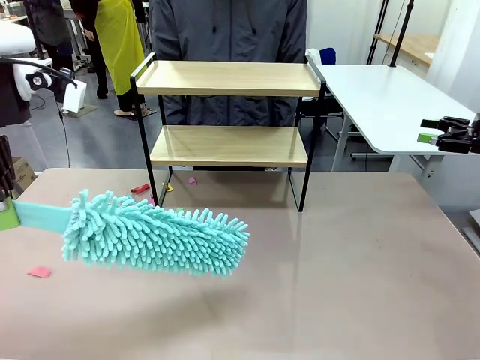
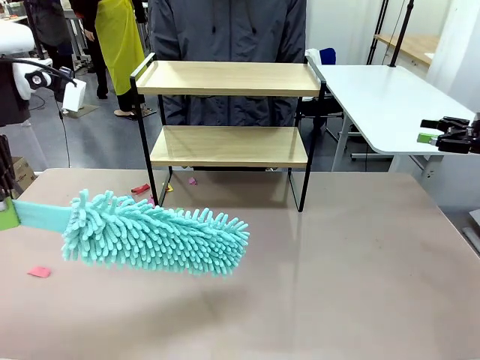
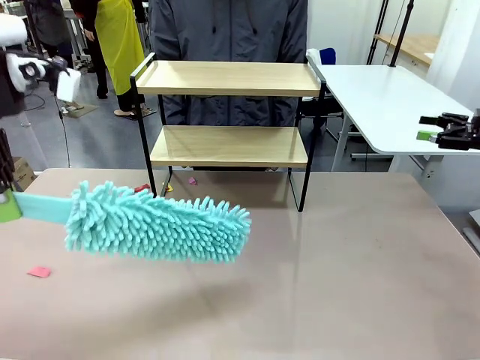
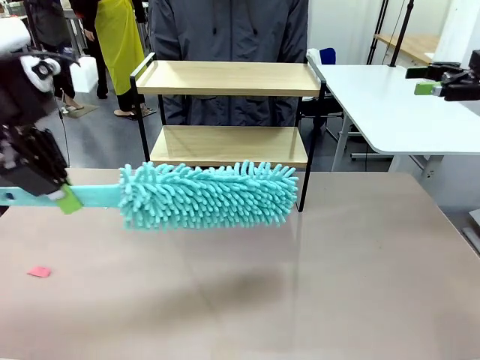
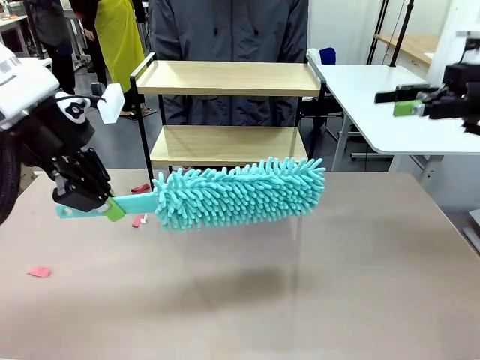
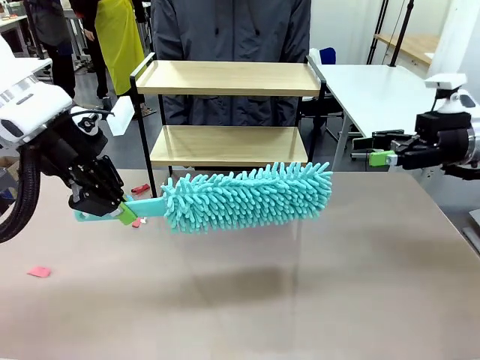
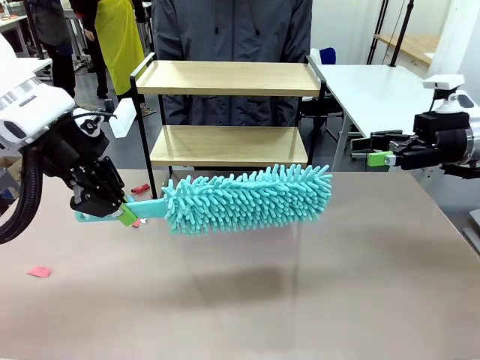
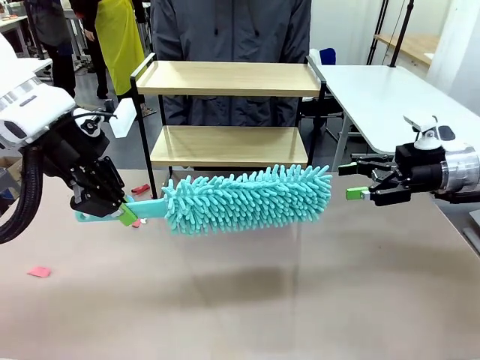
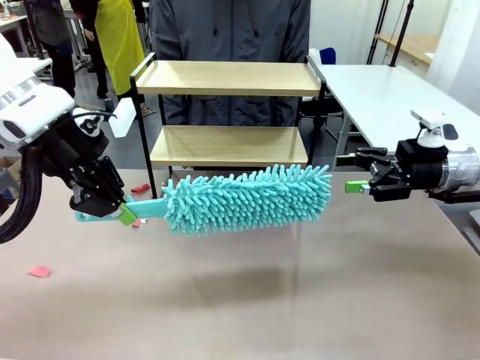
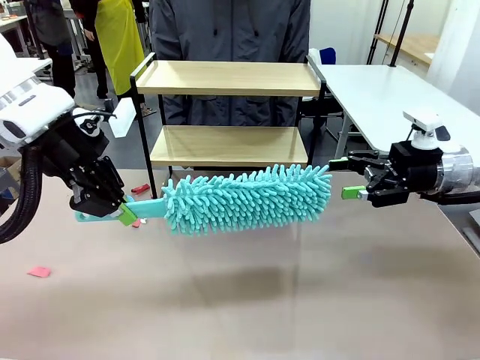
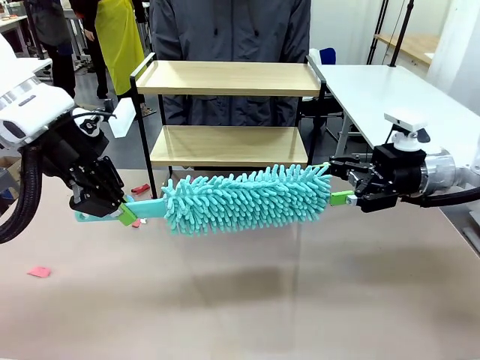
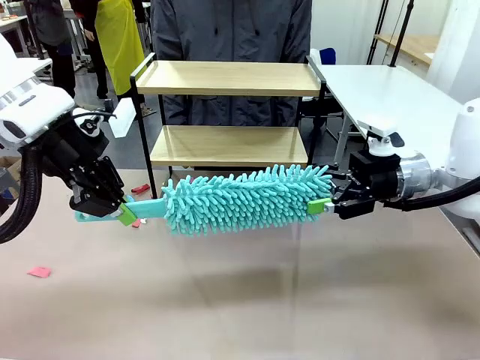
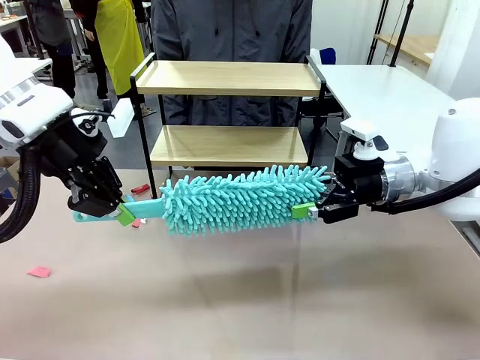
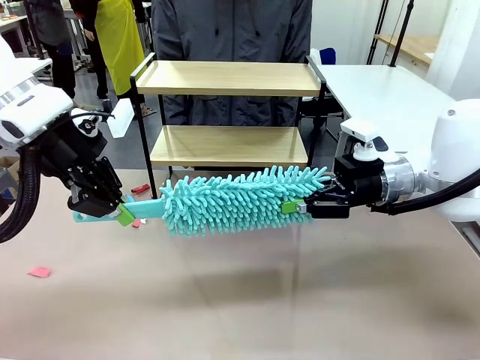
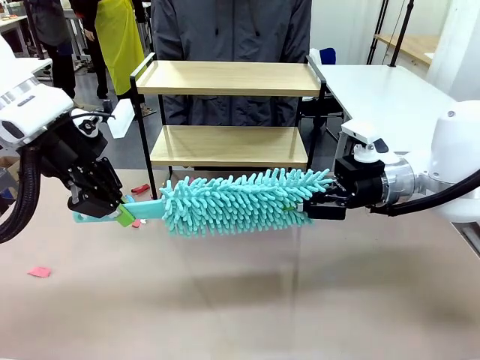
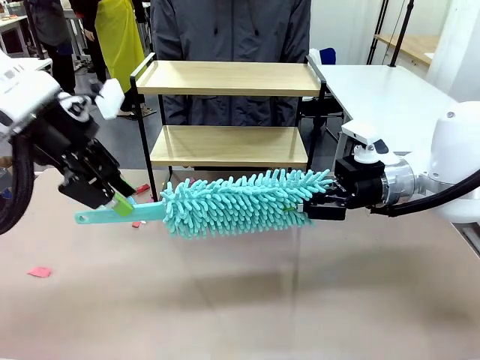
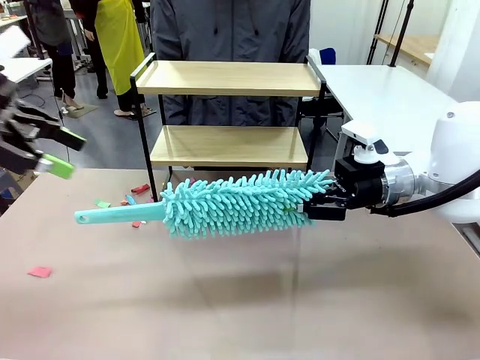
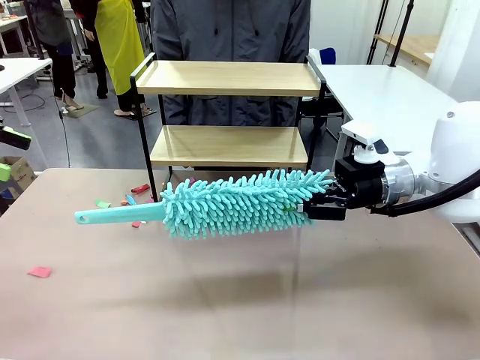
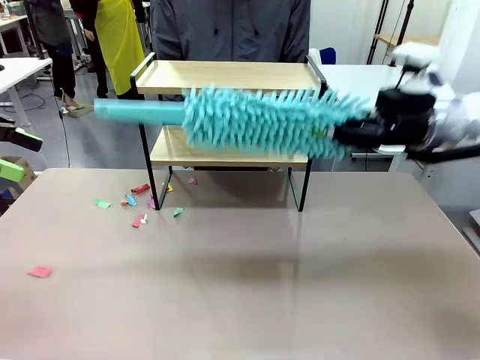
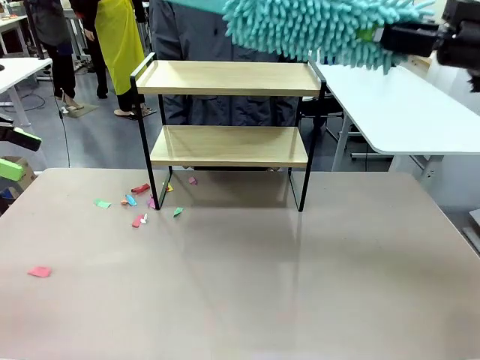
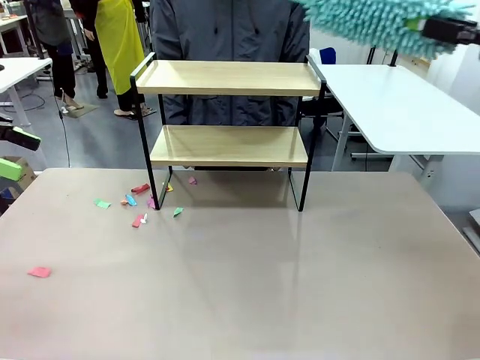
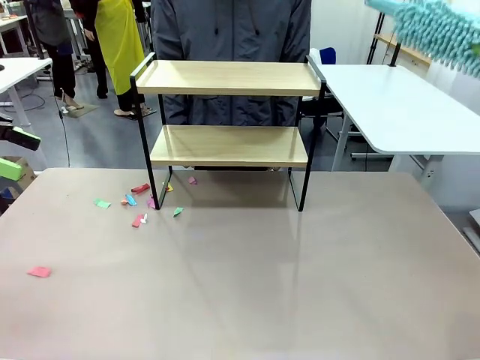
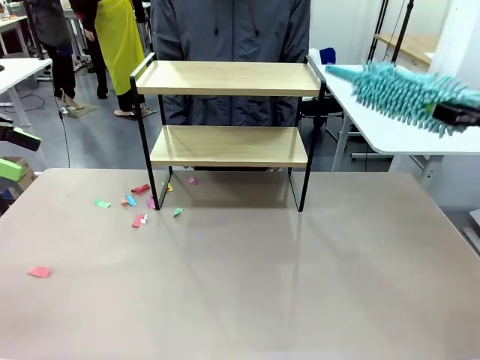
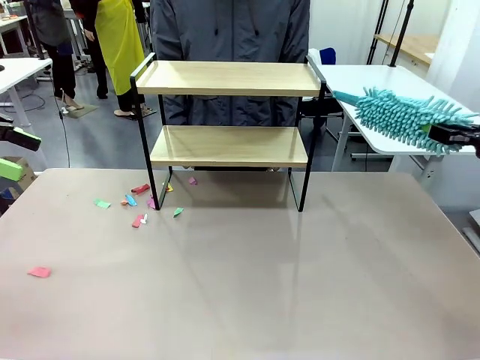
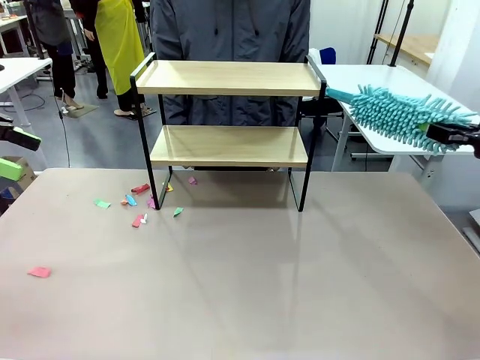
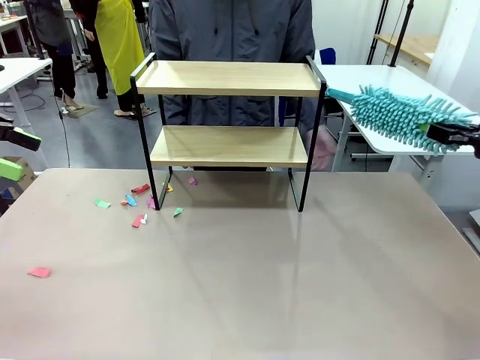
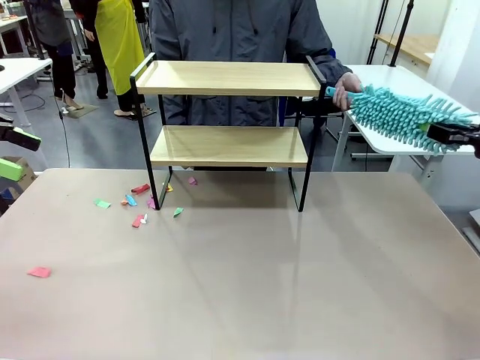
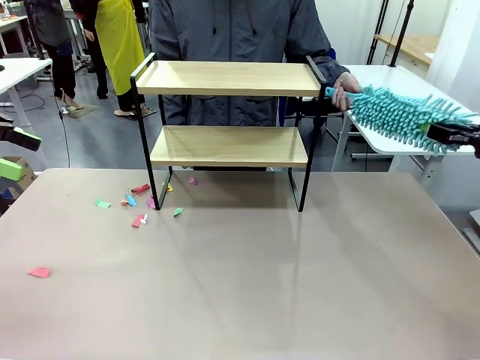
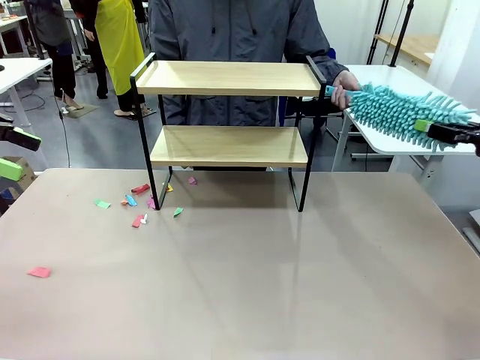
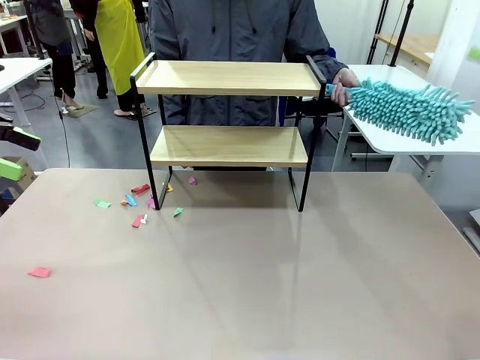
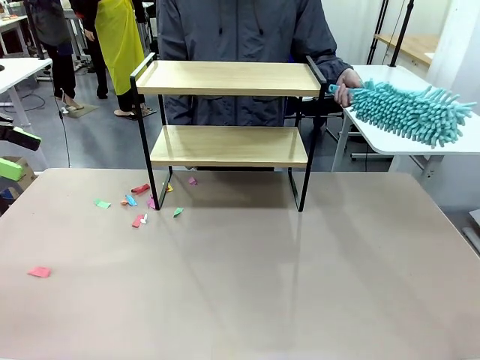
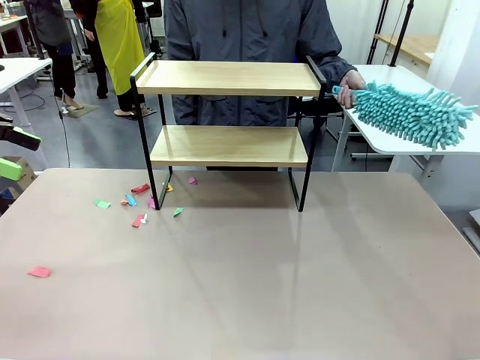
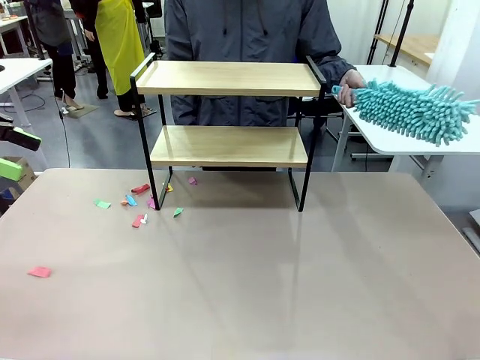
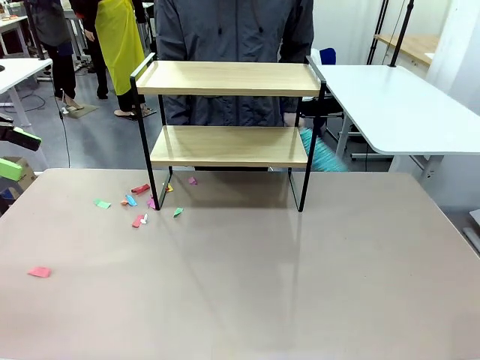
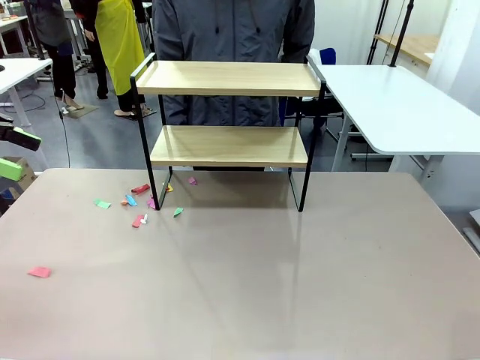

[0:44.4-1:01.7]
Task: Clean the shelf.
Robot: Hand the Duster back to the human.
Person: Receive the Duster from the robot.

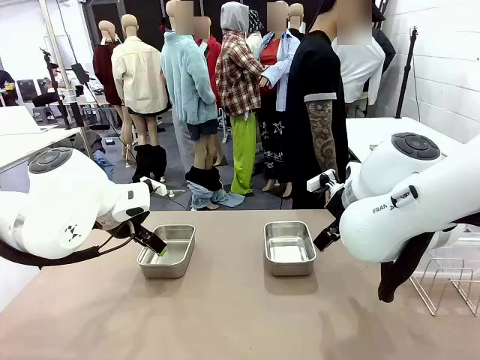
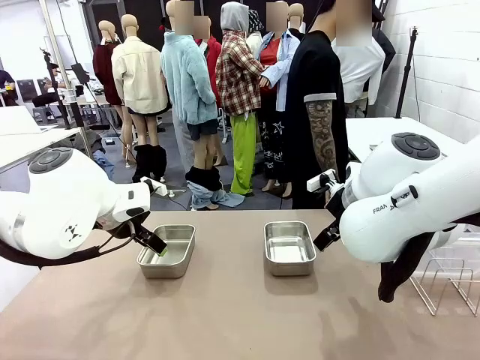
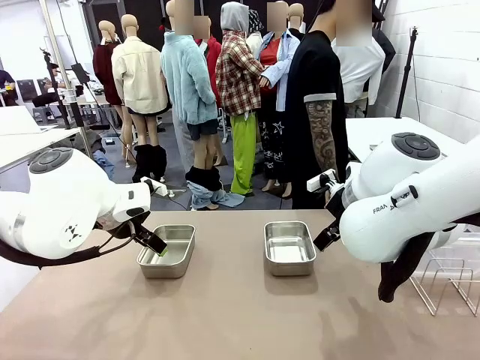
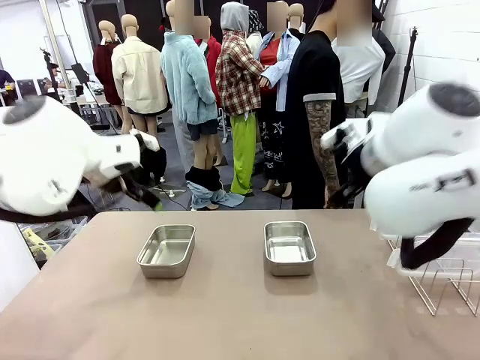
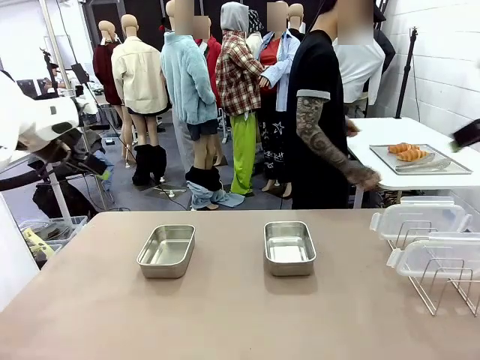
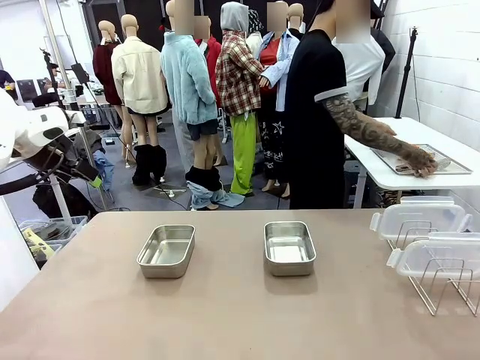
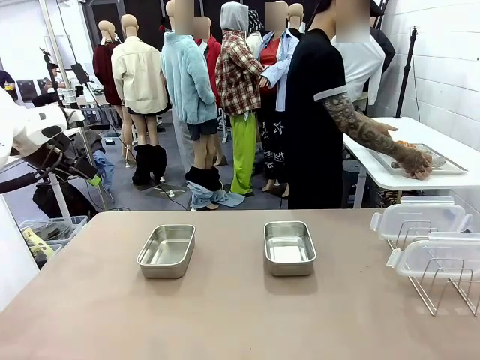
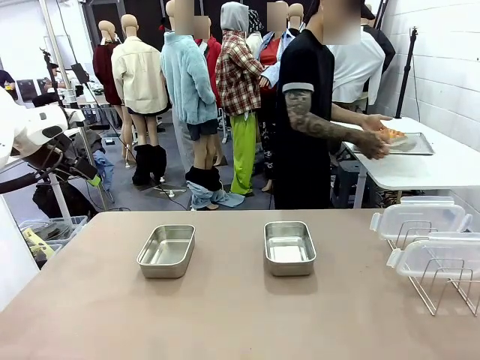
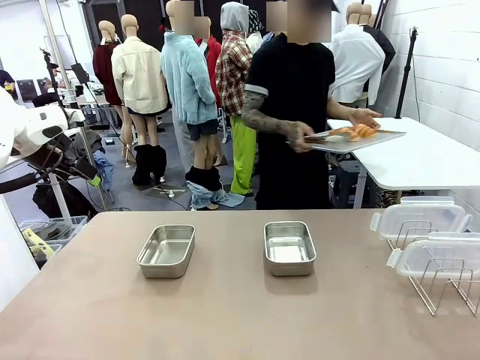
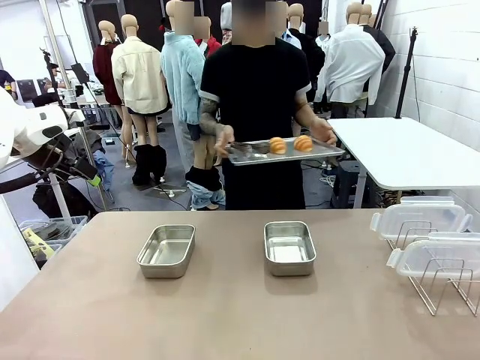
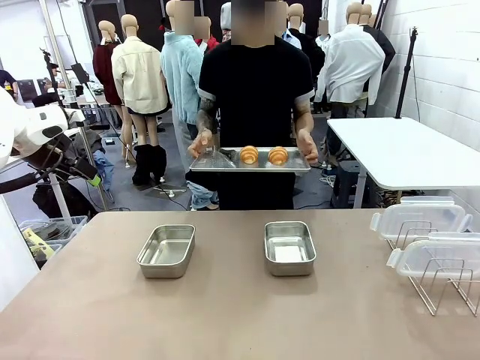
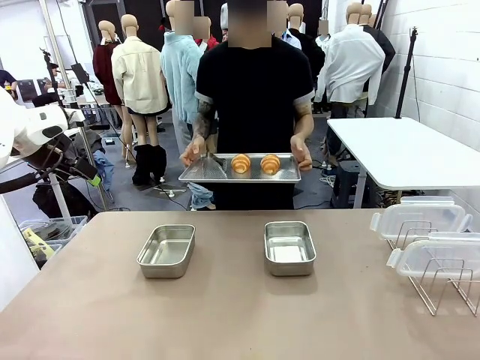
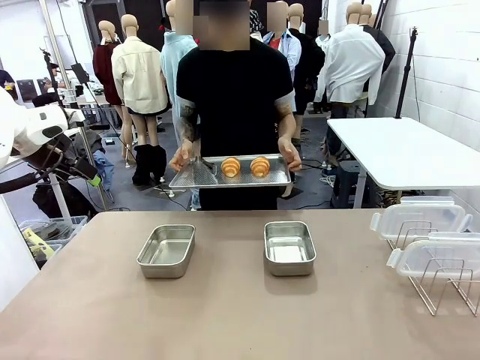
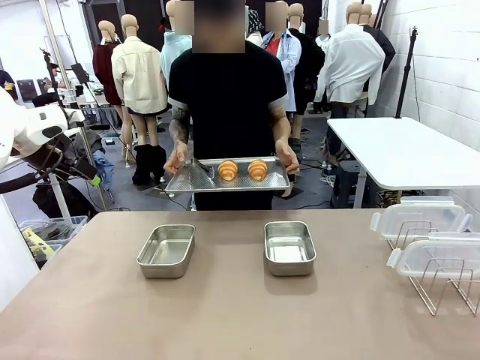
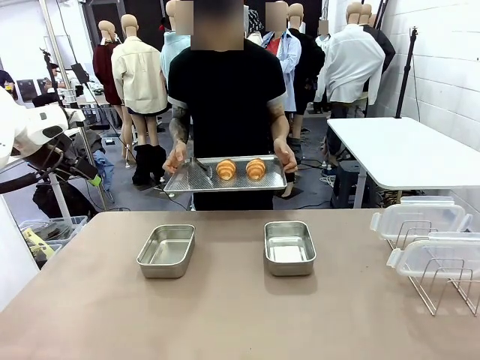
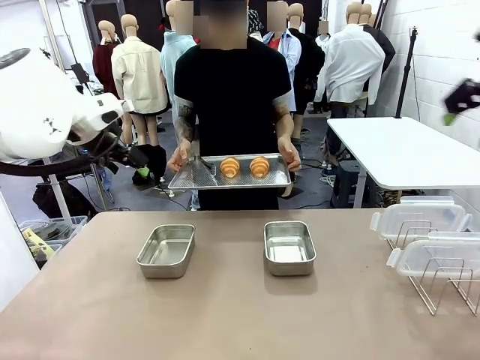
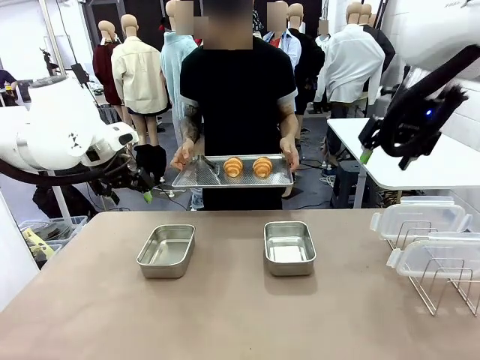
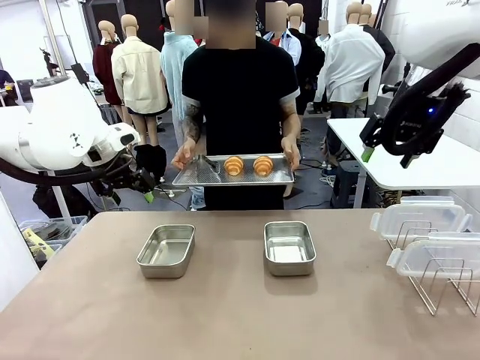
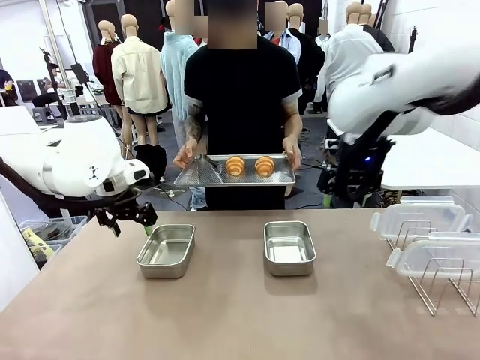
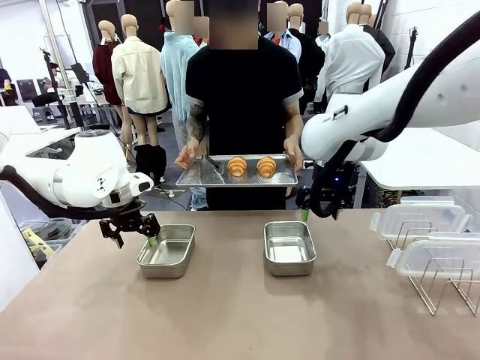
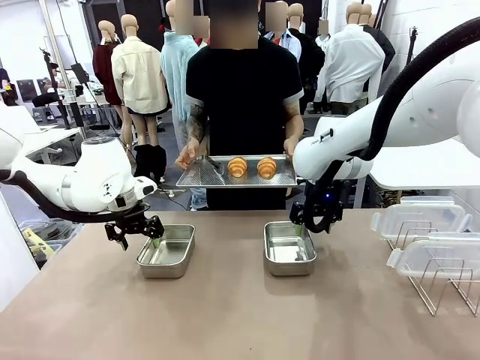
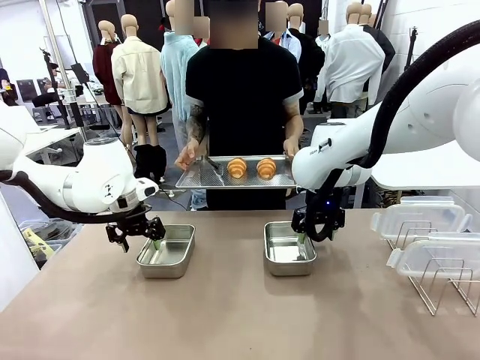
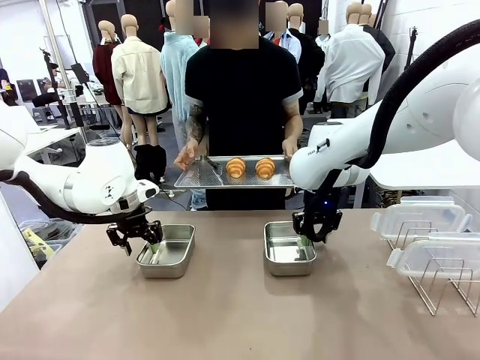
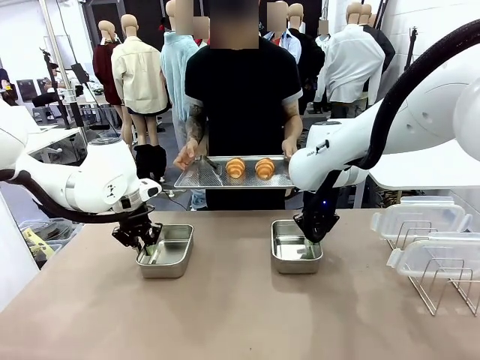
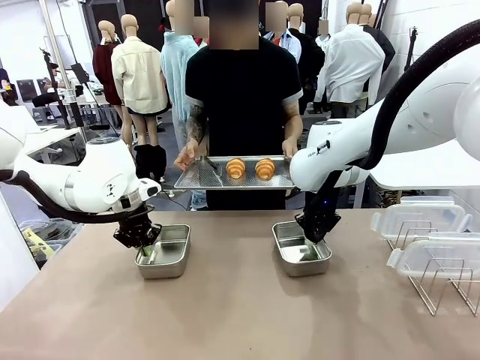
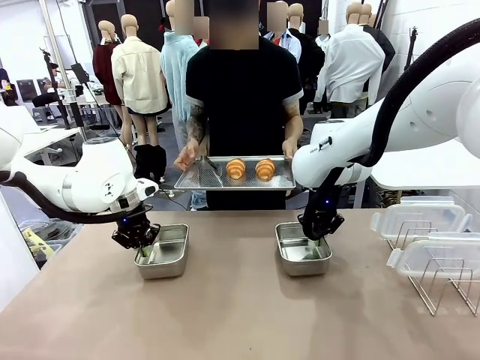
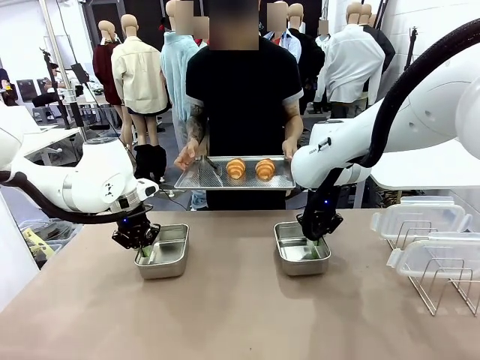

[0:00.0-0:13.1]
Task: Place the bread in airtight containers.
Robot: Lift both Airtight Container.
Person: Bring the Baking Sheet in front of Robot's Table.
